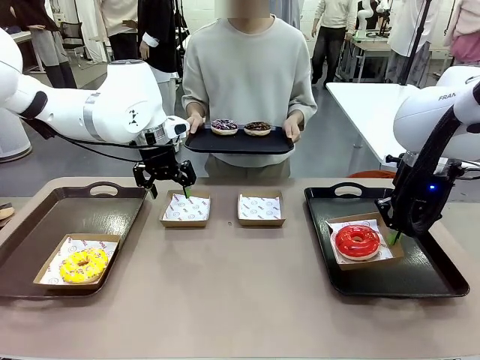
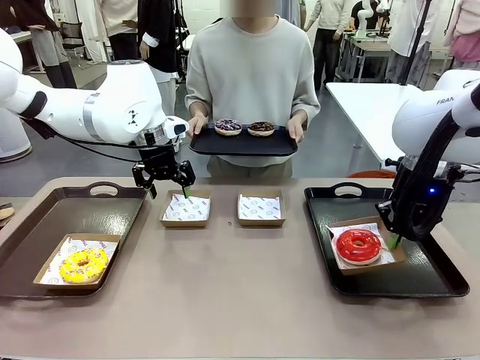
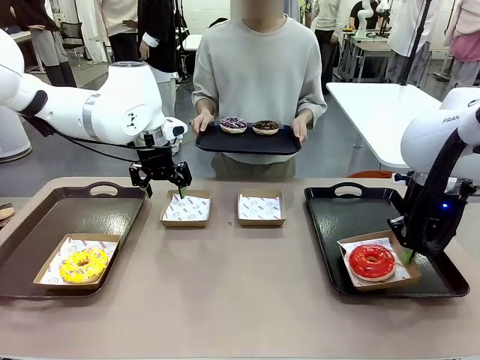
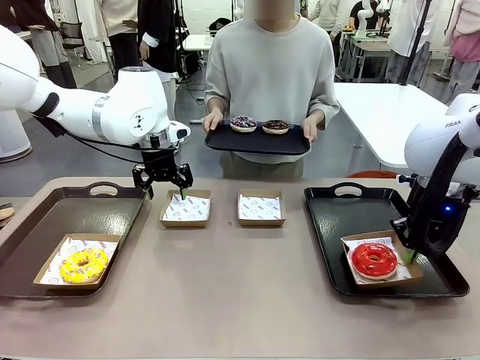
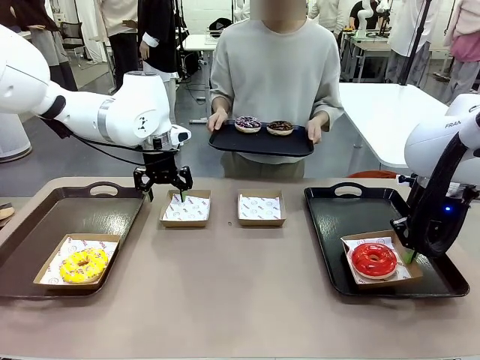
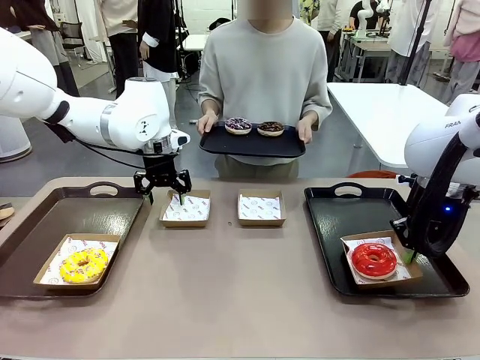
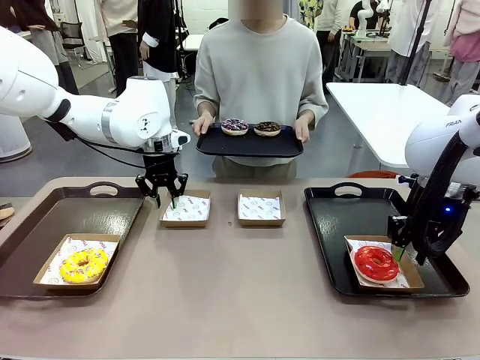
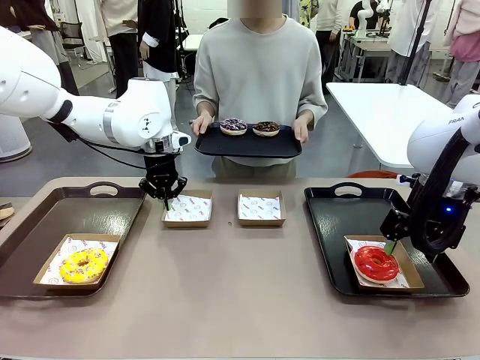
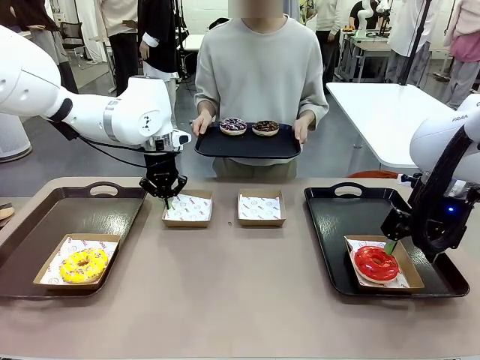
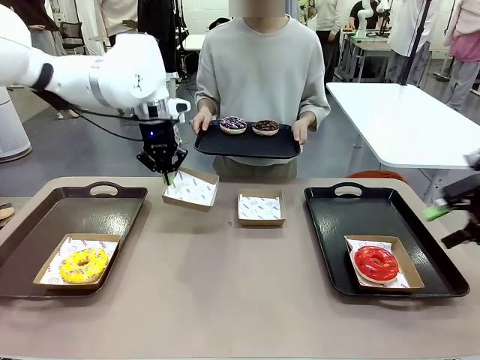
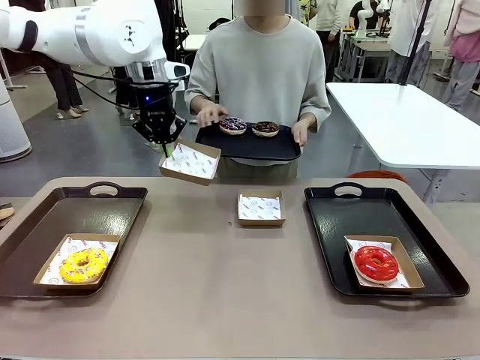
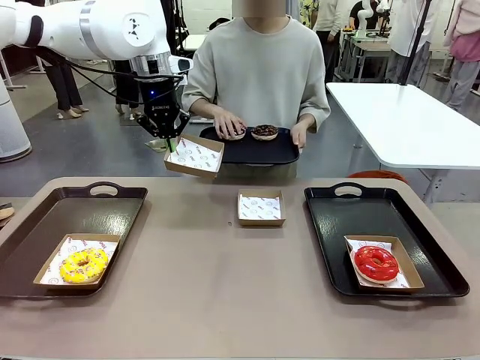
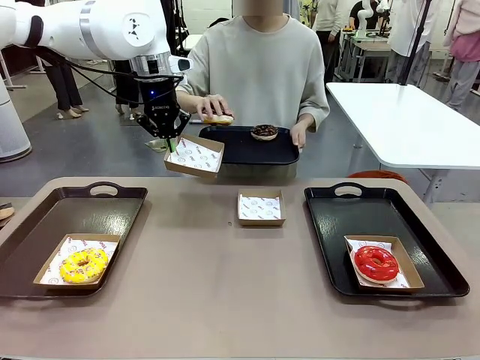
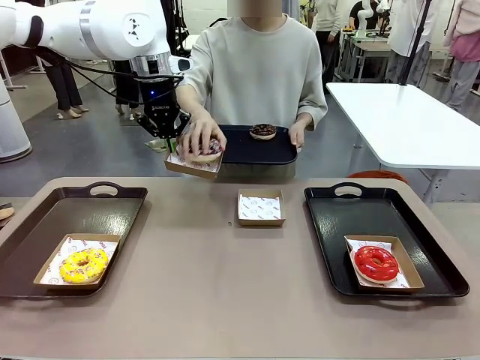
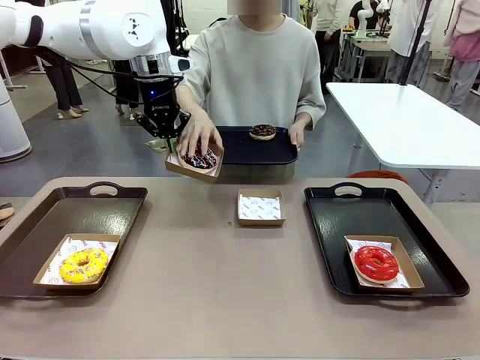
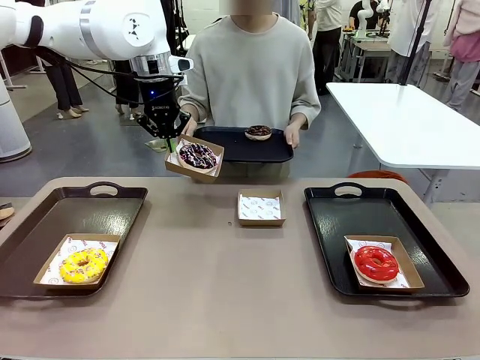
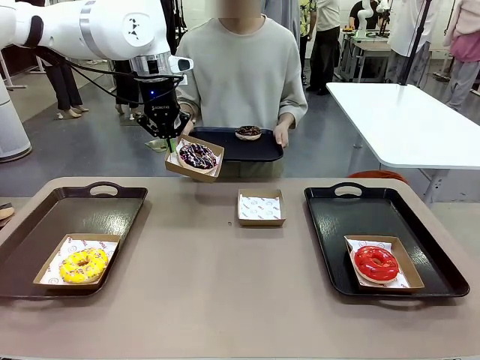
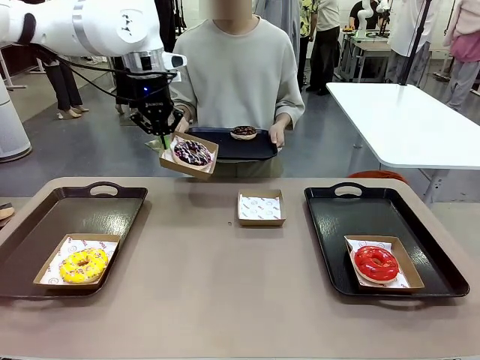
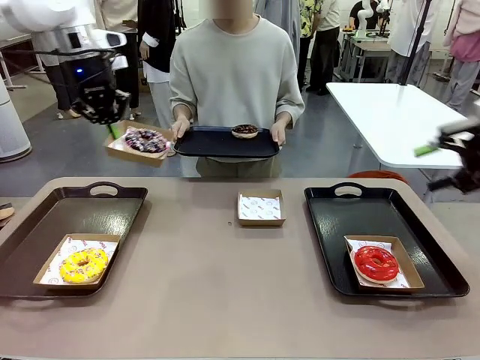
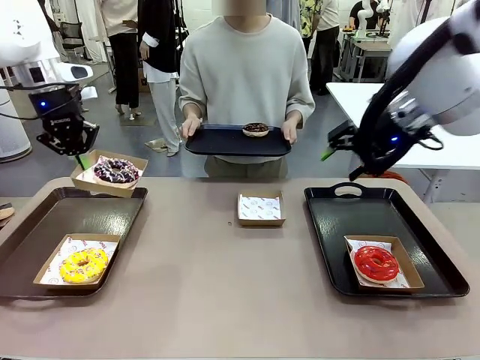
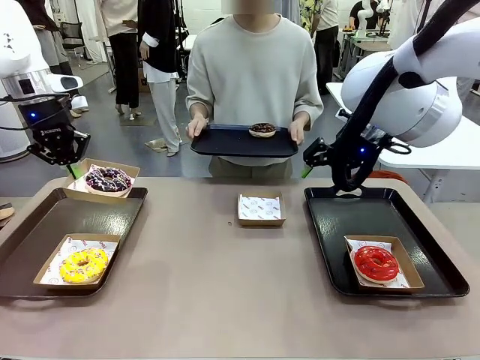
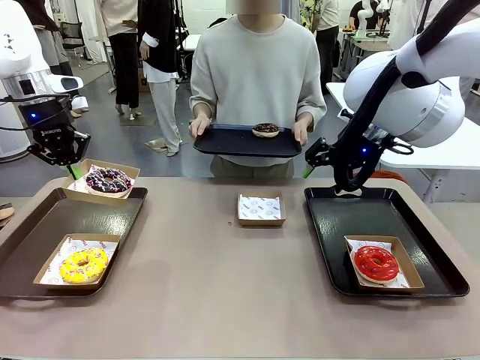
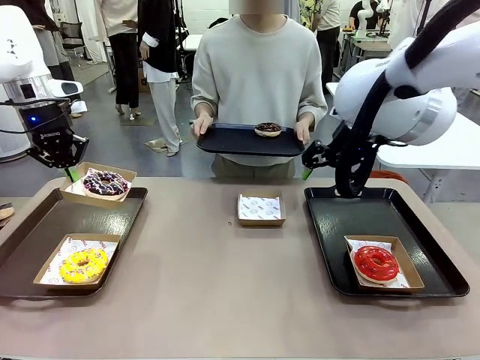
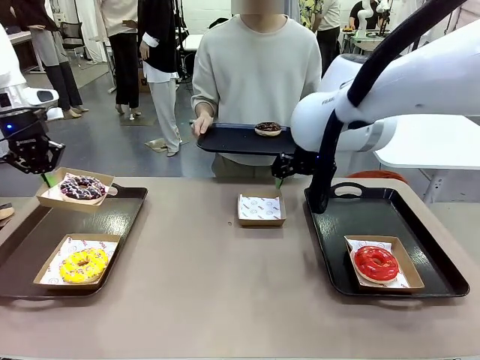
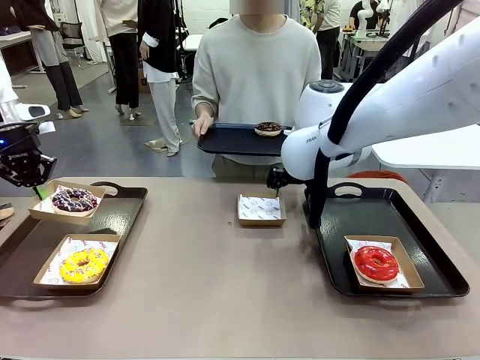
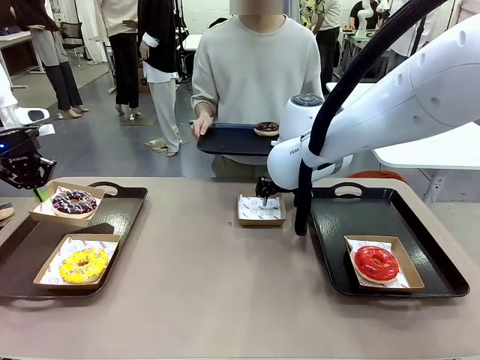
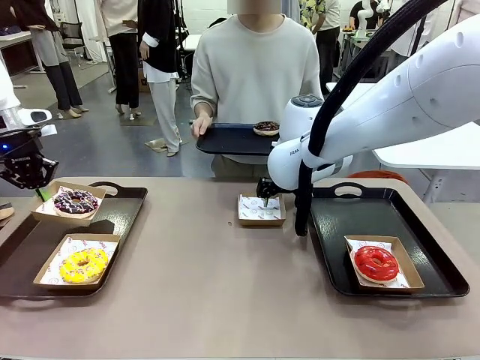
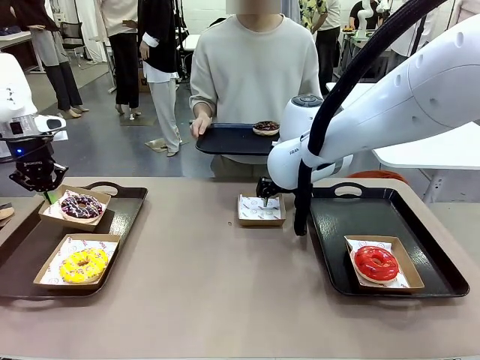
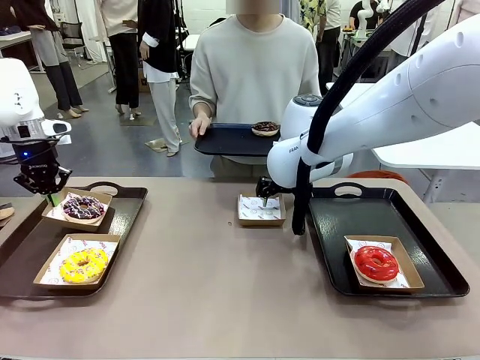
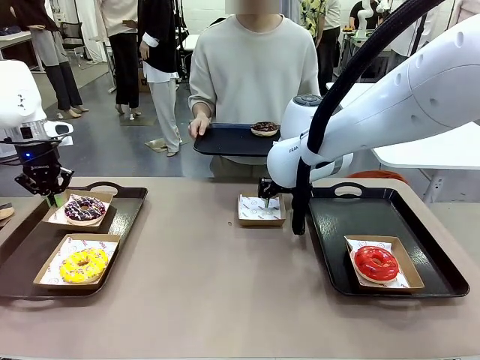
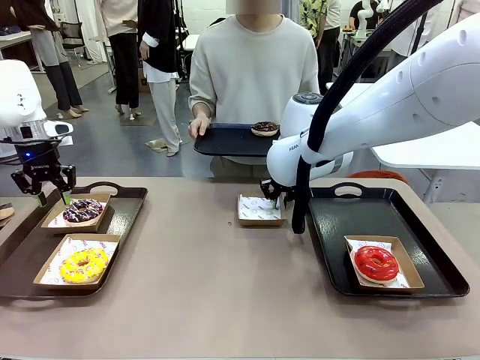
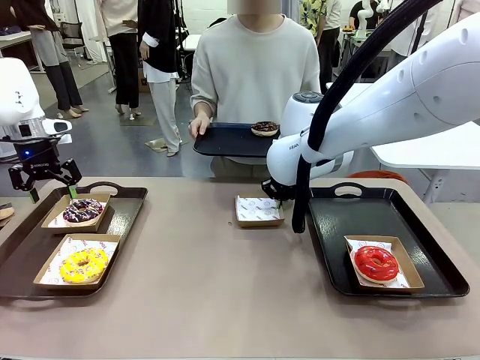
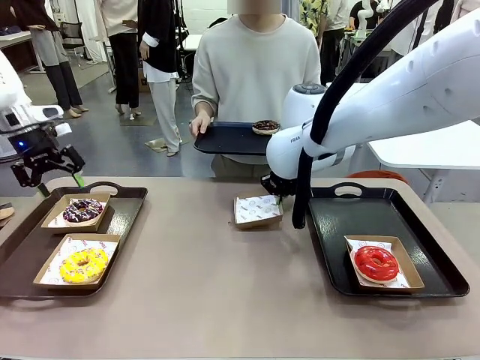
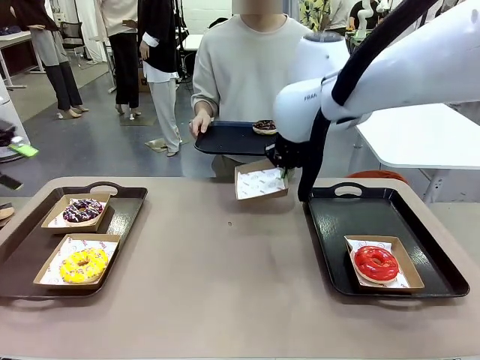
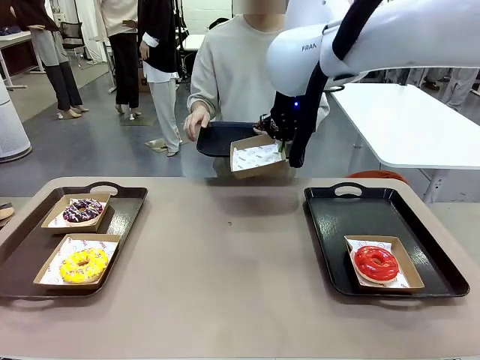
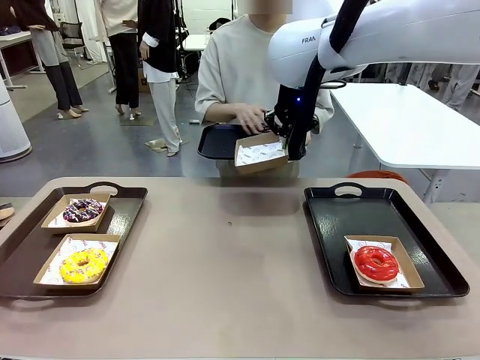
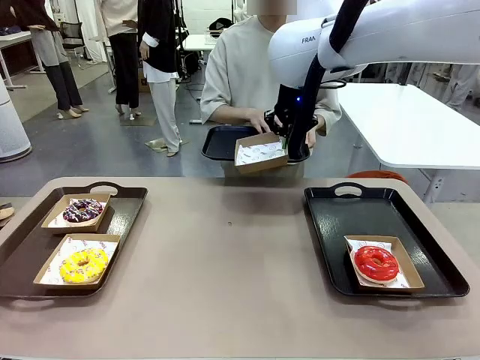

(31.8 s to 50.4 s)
Task: Individually package the donuts and arrange them on the tray.
Robot: Place the picked Paper togo box on the Handle tray while simultaneously picking up another Paper togo box from the table with the other hand.

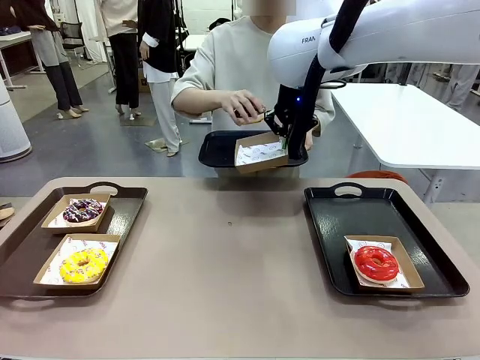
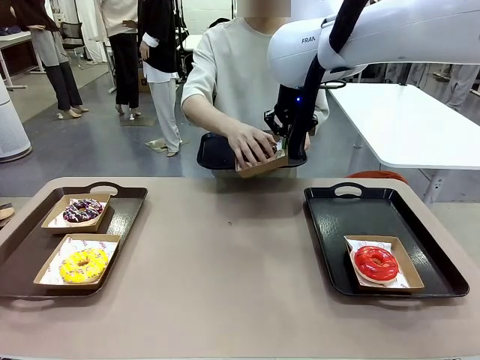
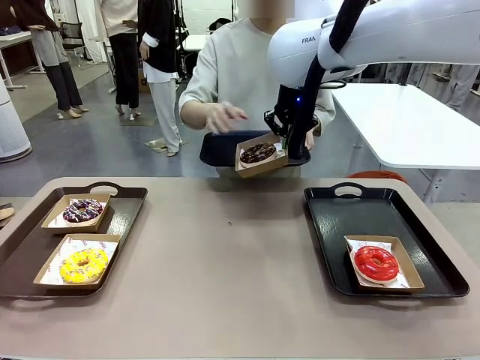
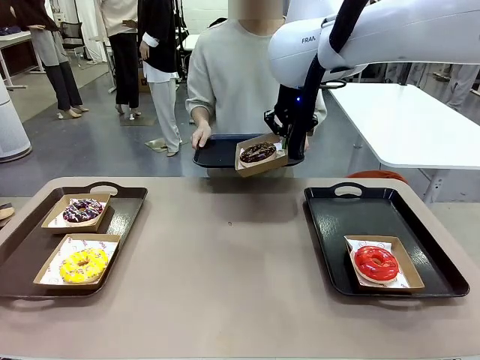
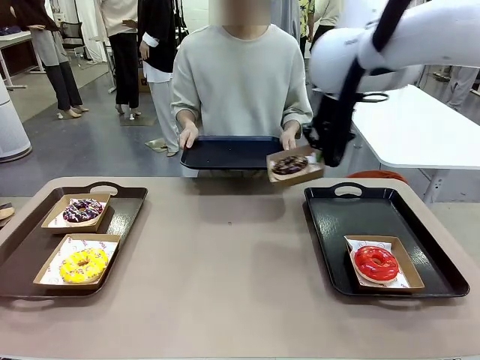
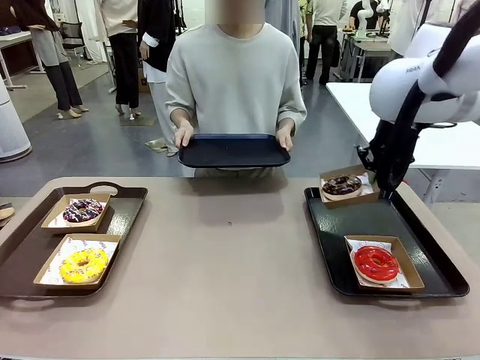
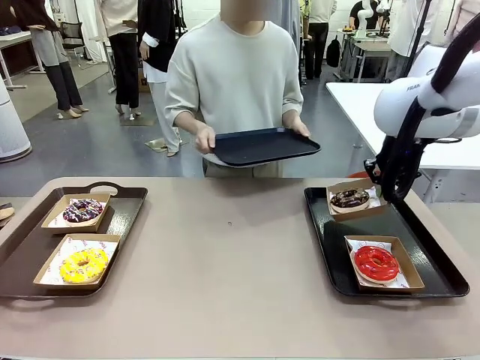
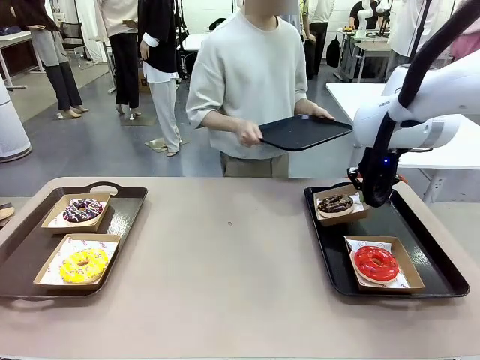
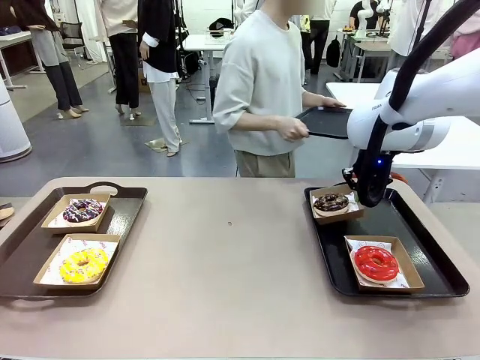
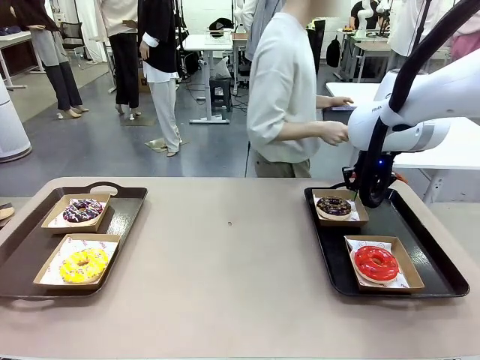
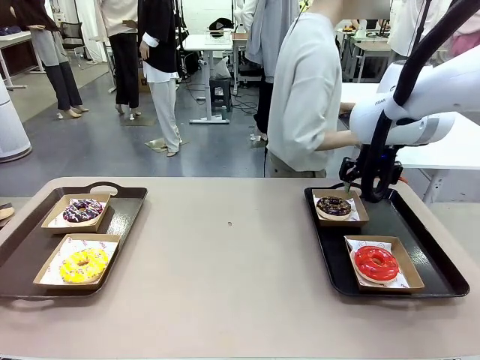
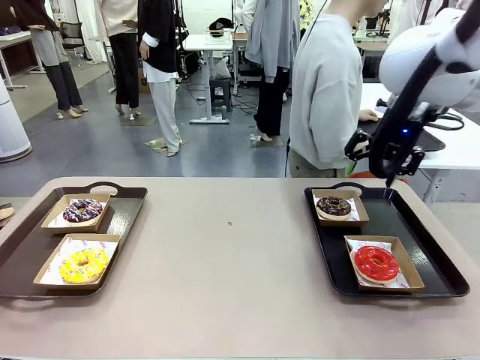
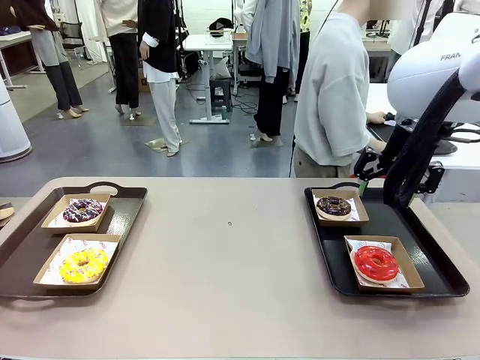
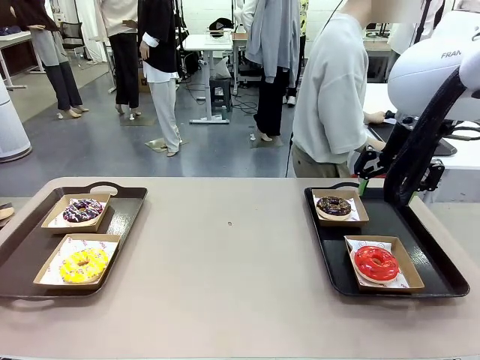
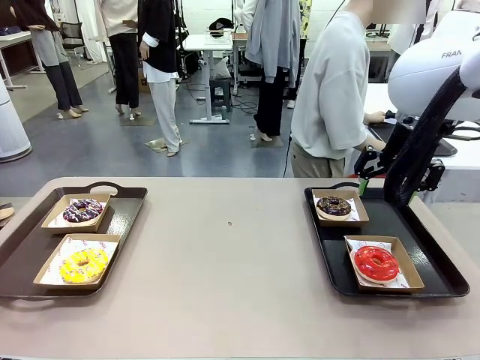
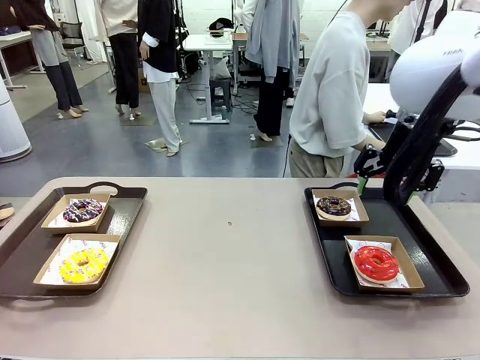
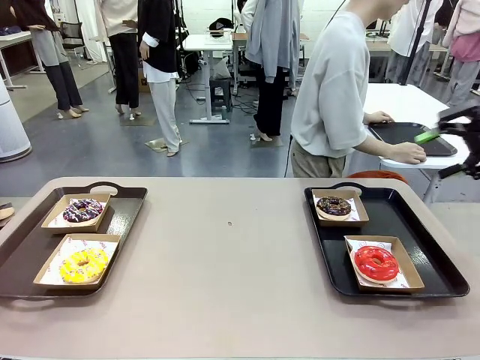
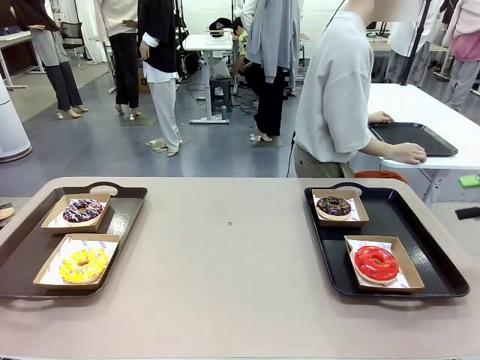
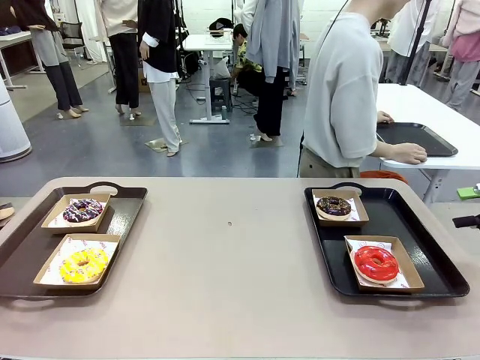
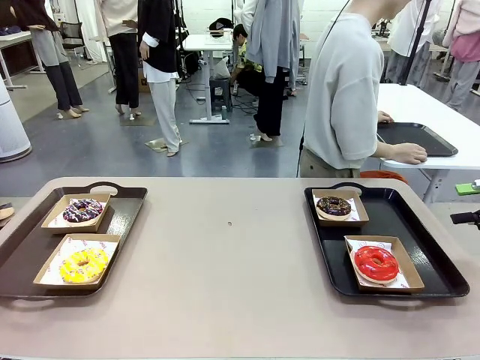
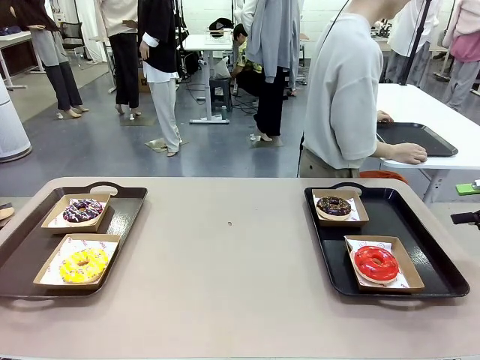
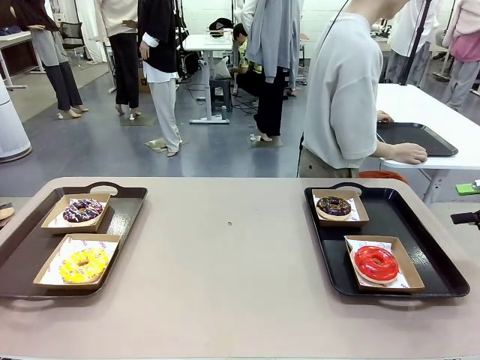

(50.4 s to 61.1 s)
Robot: Place the picked Paper togo box on the Handle tray.
Person: Place the tray down in the middle of the human table.
